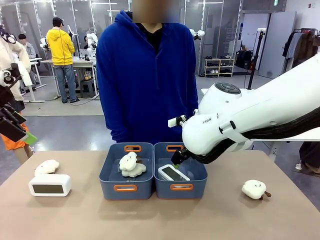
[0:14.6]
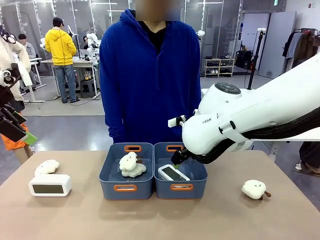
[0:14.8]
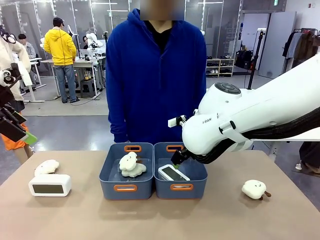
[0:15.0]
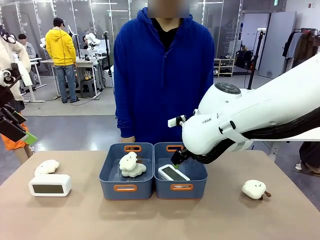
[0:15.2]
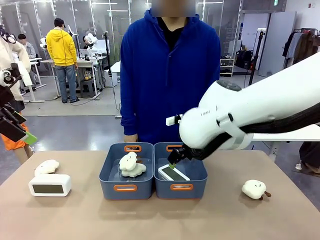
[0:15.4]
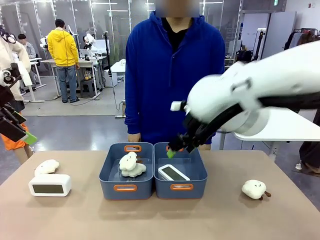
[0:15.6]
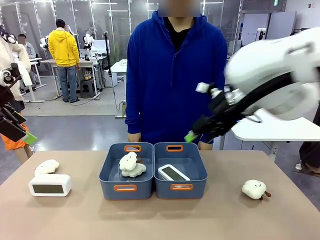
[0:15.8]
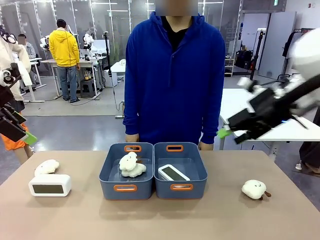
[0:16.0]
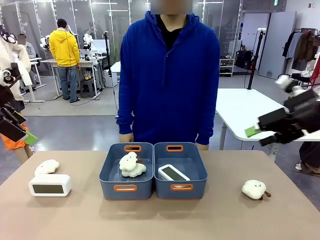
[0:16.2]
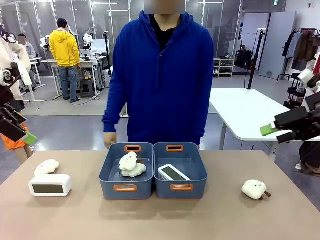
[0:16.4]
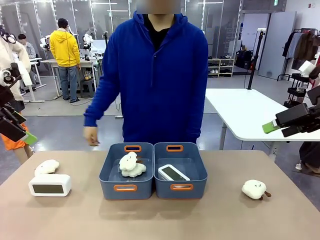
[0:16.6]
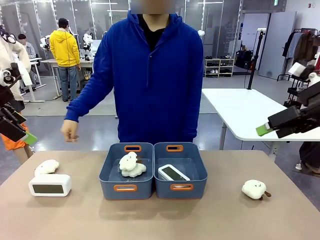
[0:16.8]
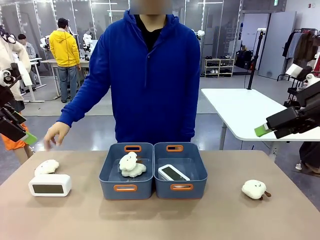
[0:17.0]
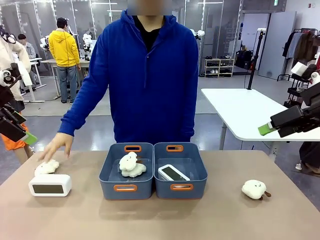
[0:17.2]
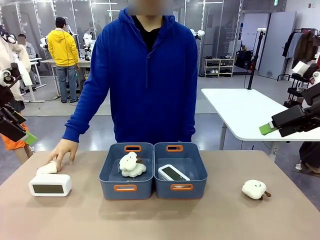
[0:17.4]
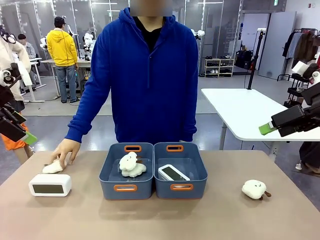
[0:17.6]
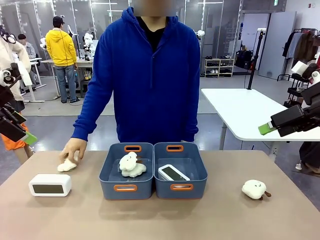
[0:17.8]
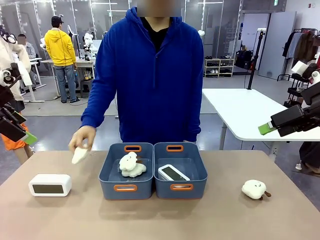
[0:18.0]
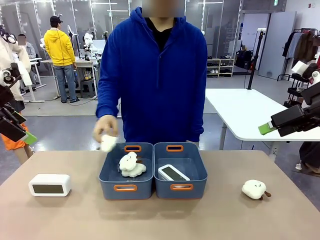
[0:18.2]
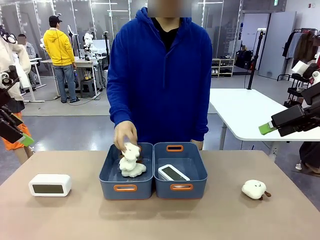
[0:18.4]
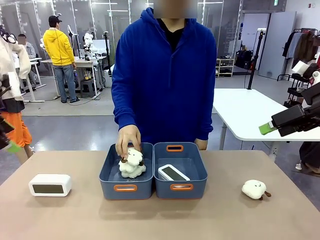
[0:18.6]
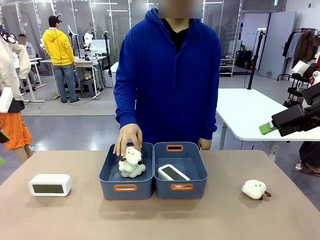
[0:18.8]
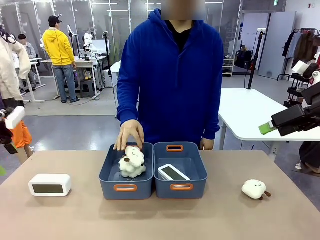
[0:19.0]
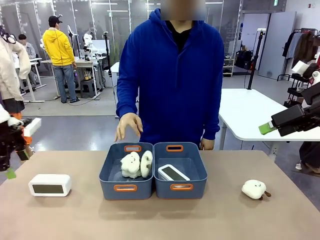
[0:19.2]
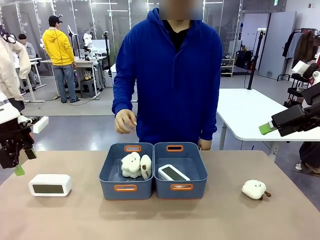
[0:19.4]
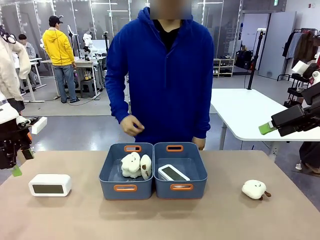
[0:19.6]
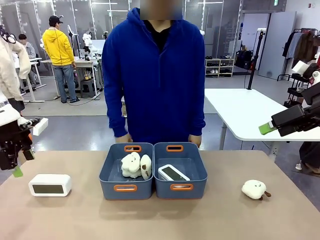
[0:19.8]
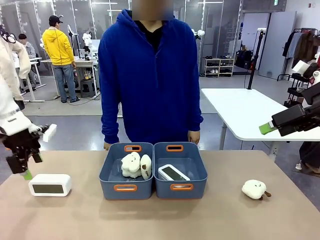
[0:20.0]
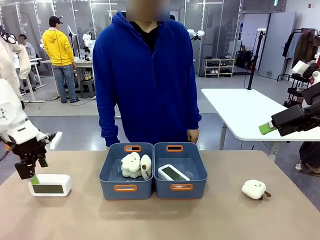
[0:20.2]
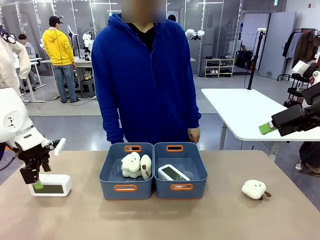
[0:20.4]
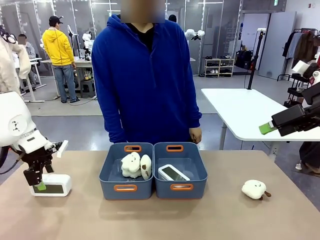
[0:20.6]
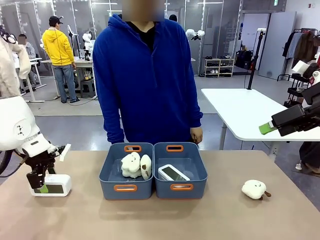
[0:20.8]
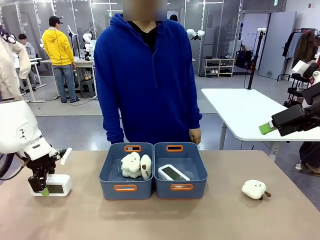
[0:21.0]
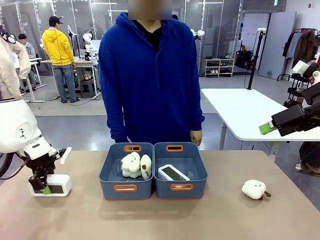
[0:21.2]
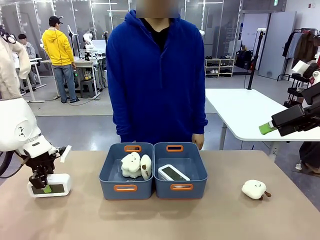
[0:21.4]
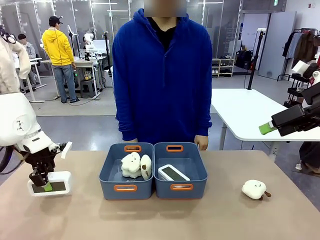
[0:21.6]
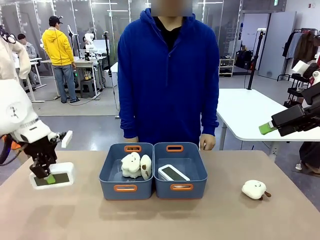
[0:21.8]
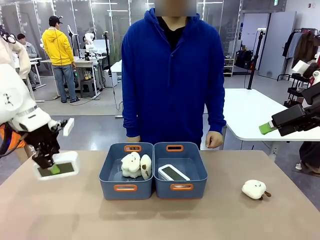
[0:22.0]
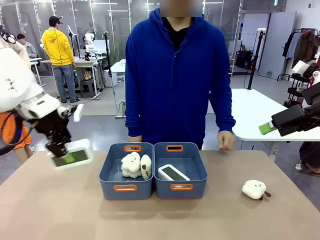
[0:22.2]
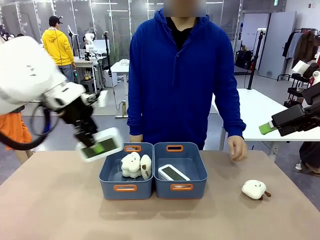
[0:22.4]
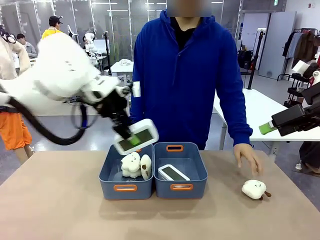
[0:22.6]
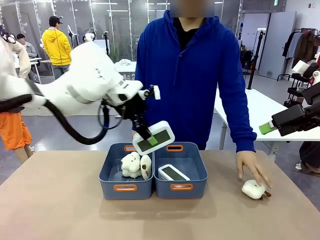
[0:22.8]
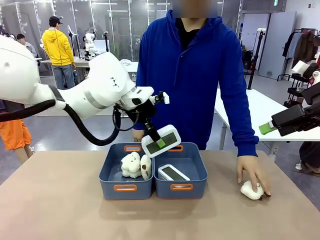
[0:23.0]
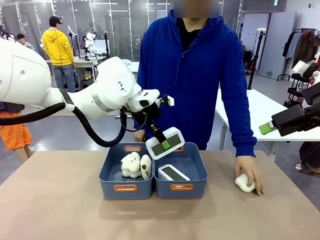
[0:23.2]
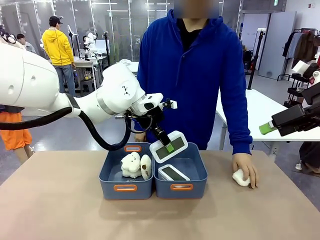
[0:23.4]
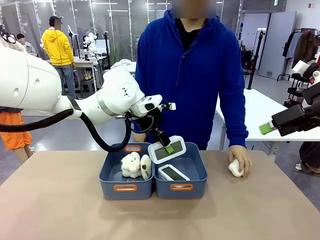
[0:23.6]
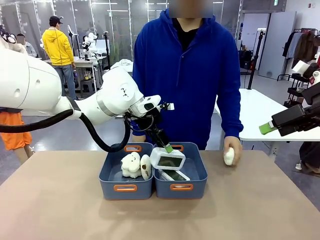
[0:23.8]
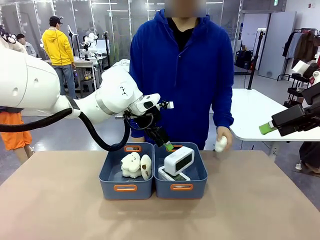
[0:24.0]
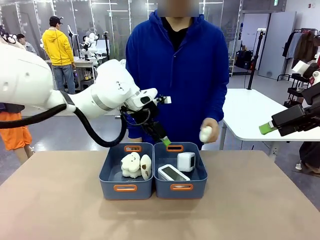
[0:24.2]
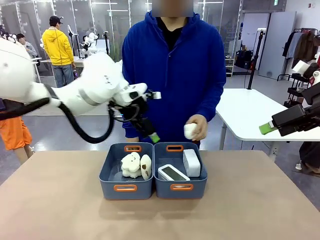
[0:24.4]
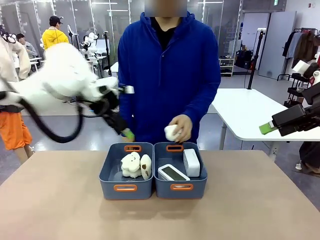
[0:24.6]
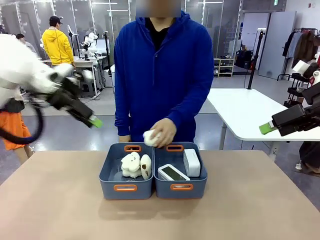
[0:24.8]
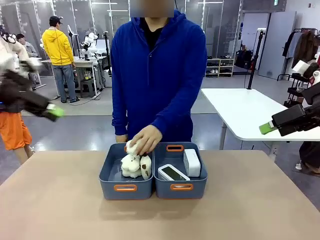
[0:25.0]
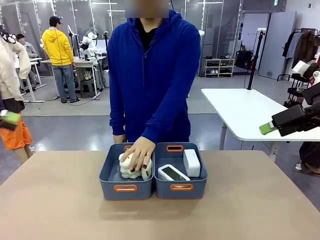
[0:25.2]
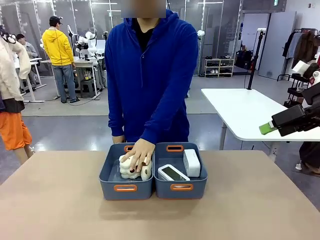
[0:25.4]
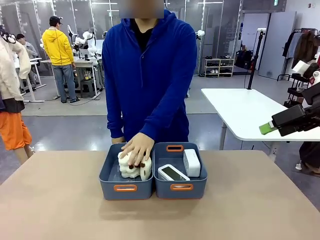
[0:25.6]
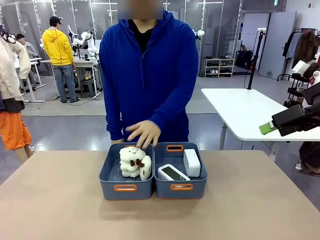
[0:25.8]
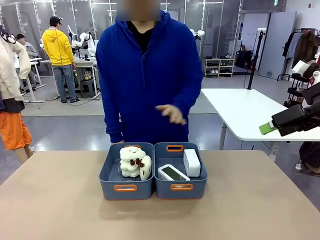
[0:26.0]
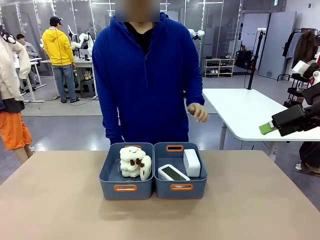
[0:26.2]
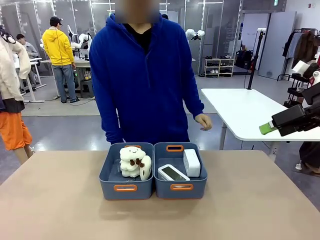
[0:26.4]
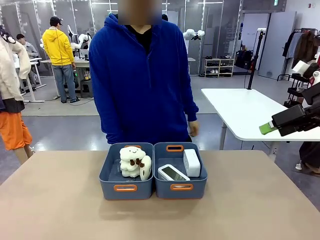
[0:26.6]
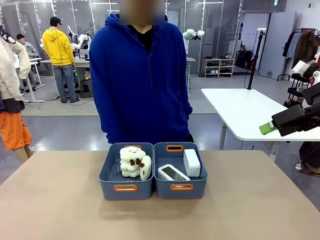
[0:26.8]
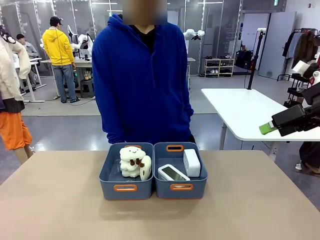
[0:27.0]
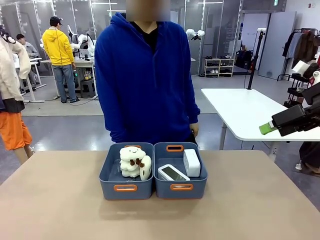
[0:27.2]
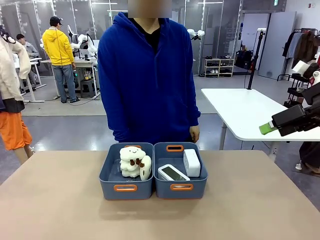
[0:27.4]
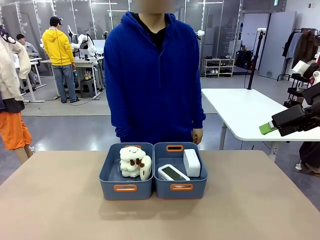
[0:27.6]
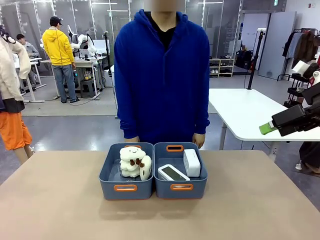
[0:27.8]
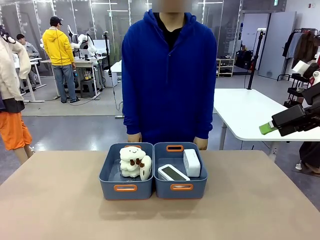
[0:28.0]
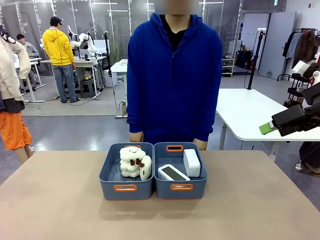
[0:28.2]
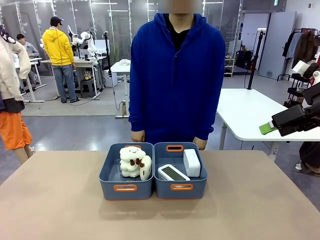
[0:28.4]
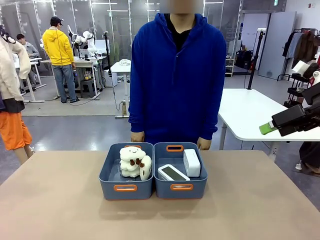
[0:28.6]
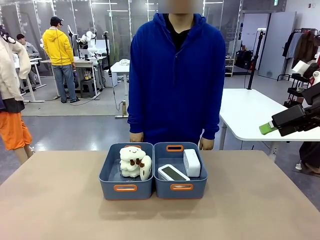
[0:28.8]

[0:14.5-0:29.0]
Task: Sort the digital clocks into the basket.
Robot: Pick up the Digital clock from the table and place it into the empty Plastic storage basket.
Person: Pick up a plush toy from the table and place it in the plastic storage basket containing the plush toy.

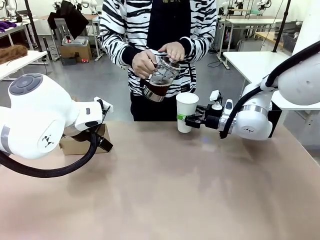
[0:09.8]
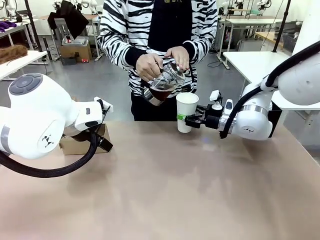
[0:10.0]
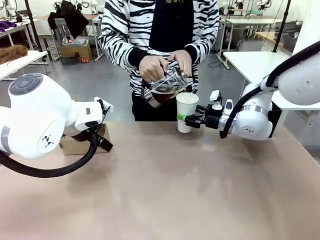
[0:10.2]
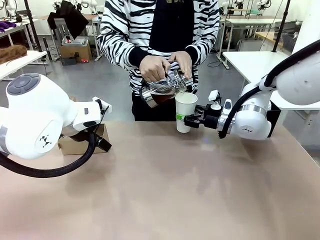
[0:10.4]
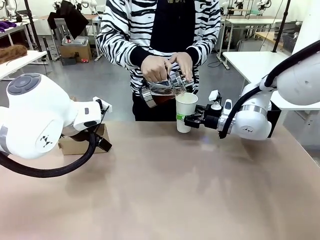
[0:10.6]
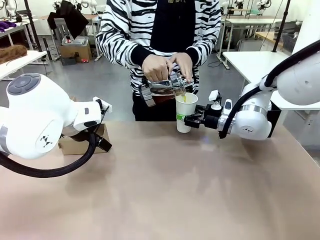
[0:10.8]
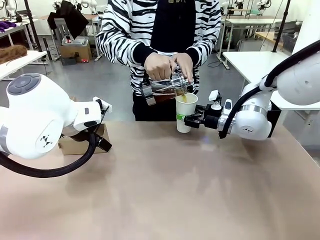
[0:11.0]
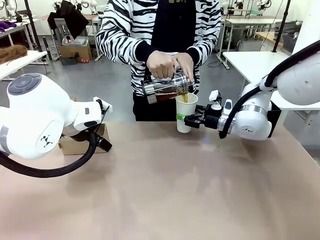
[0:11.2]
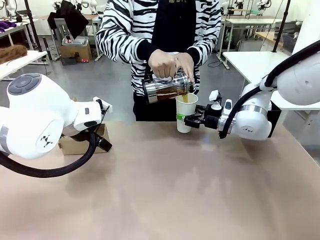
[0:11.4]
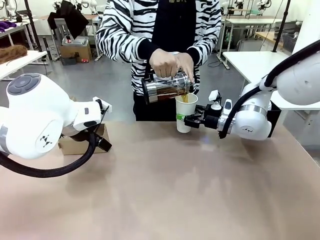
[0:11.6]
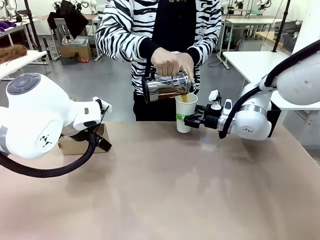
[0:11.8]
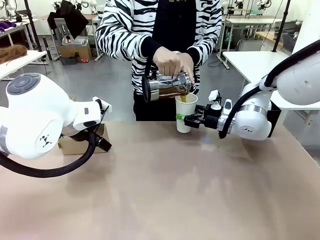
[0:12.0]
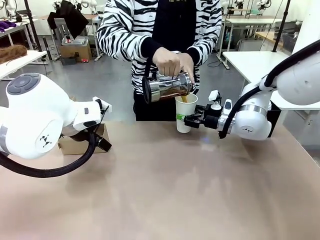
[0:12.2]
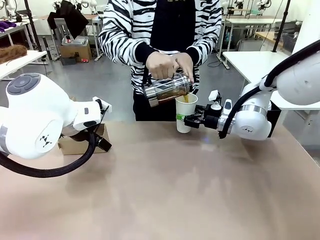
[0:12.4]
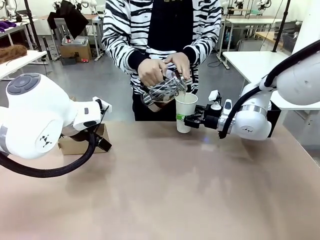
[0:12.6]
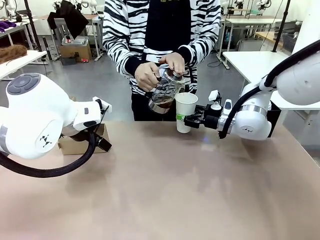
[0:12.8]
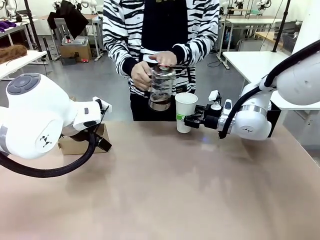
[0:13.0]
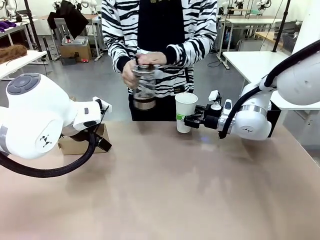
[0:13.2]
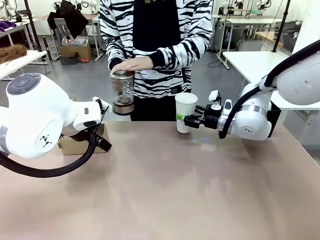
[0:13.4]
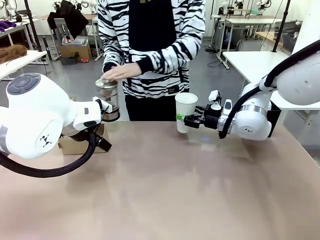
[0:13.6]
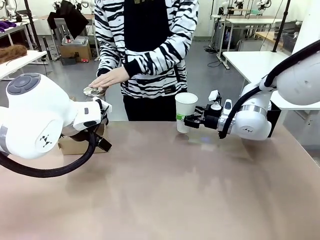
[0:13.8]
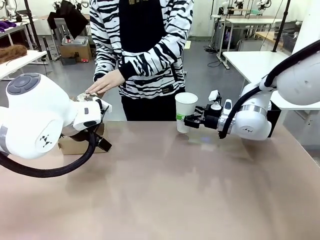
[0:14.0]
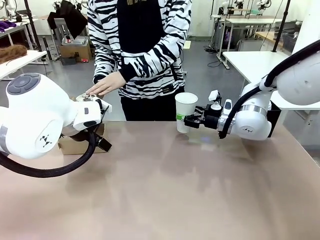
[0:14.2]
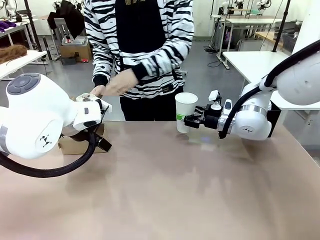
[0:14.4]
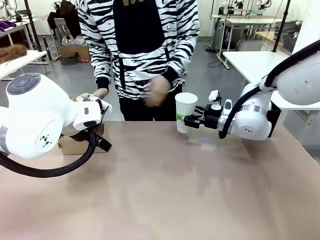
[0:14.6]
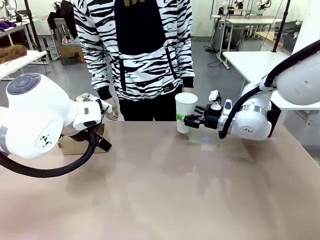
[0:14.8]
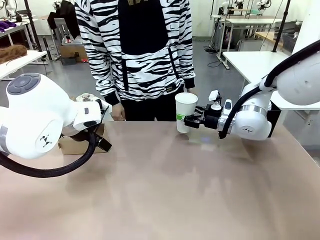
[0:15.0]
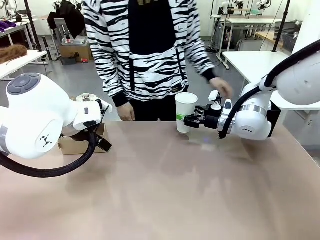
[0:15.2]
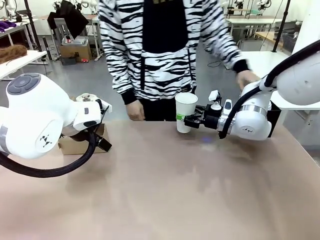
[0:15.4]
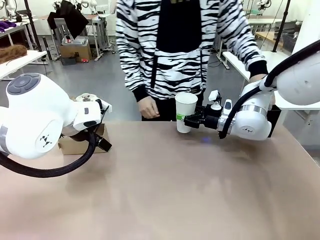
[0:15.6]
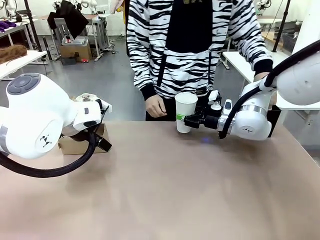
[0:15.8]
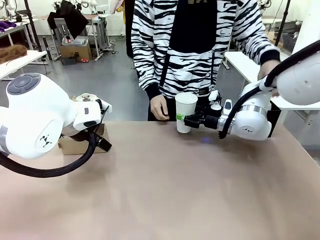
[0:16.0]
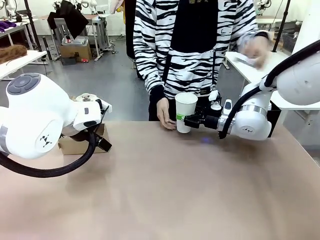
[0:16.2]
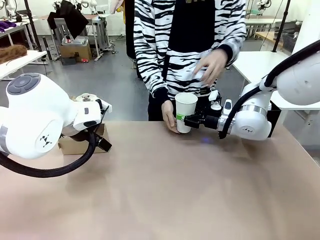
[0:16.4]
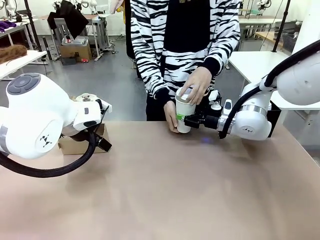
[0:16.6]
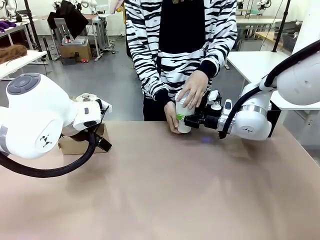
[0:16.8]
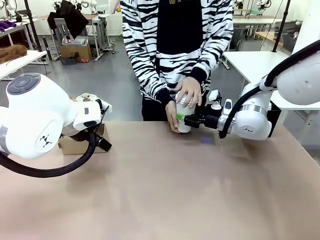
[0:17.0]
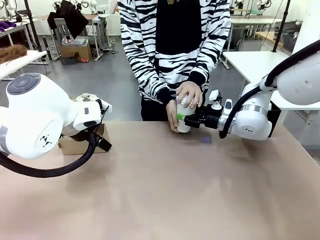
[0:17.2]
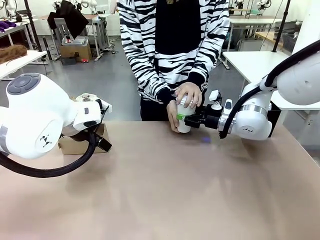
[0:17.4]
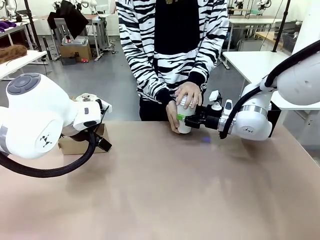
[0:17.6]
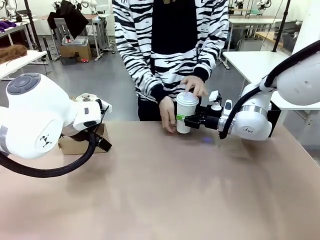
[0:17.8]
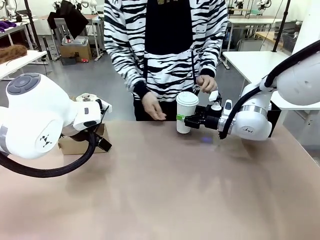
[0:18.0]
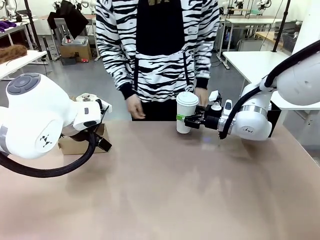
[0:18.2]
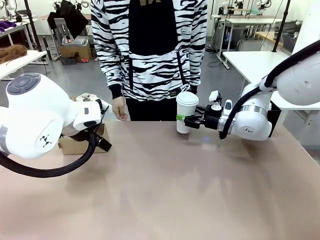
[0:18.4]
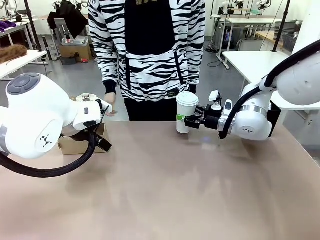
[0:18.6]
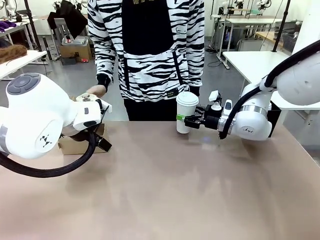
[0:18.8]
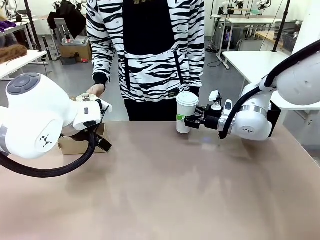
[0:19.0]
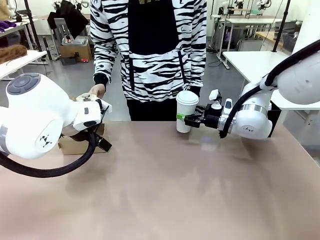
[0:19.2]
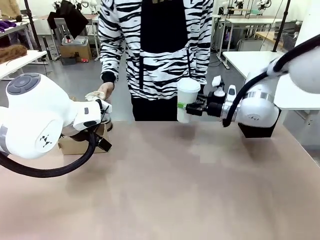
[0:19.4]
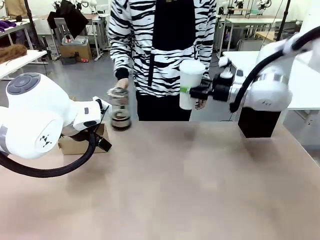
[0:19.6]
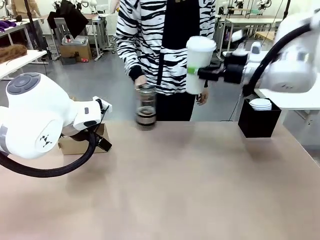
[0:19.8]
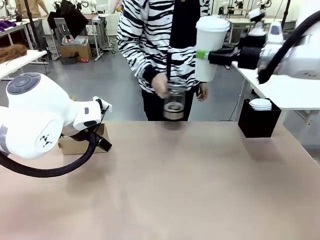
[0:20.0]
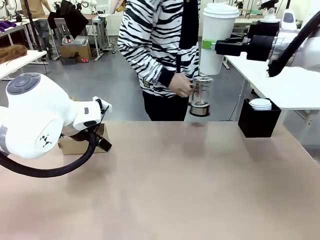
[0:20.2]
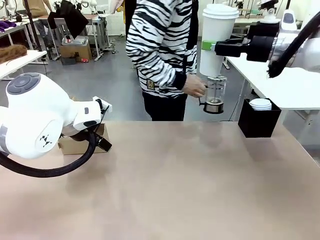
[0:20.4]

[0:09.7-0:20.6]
Task: Pour a drink into a cup and package it in a carrier.
Robot: When a person places the Paper Cup Lid on the 600 ml Paper Cup , lift the 600 ml Paper Cup.
Person: Pour the drink from the Filter Brewing into the 600 ml Paper Cup. Place a Paper Cup Lid on the 600 ml Paper Cup.
